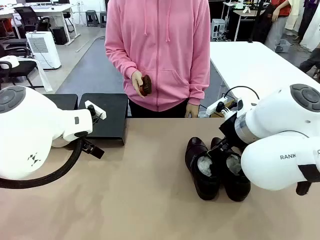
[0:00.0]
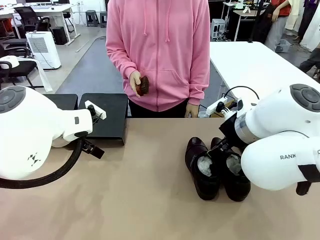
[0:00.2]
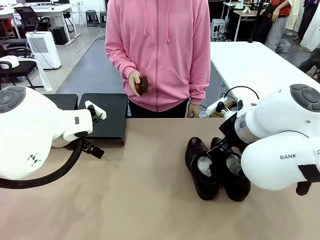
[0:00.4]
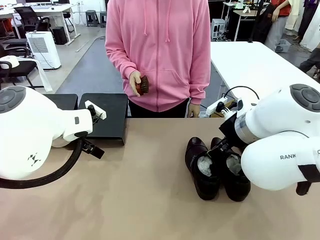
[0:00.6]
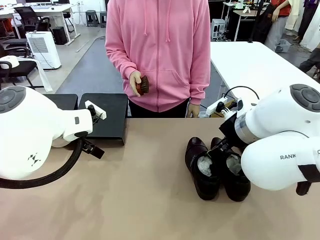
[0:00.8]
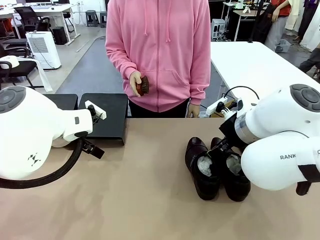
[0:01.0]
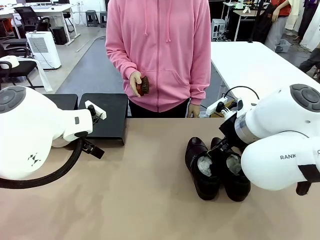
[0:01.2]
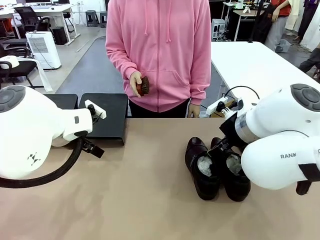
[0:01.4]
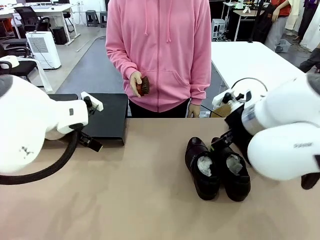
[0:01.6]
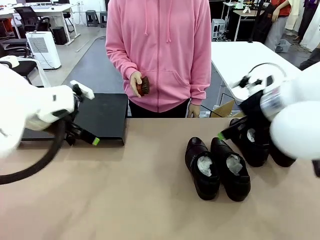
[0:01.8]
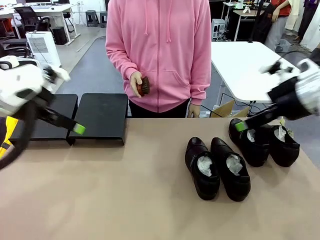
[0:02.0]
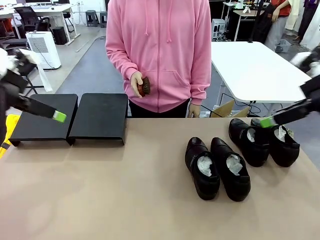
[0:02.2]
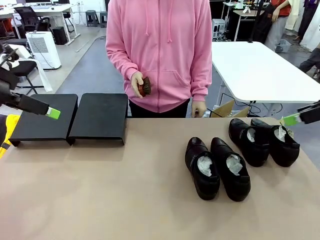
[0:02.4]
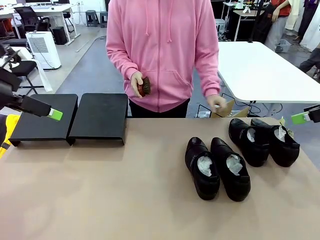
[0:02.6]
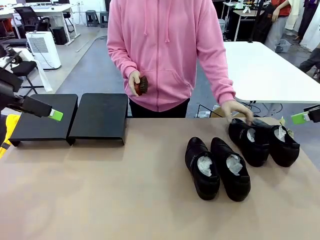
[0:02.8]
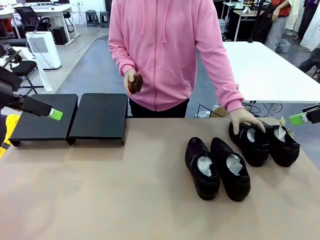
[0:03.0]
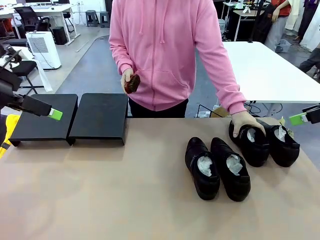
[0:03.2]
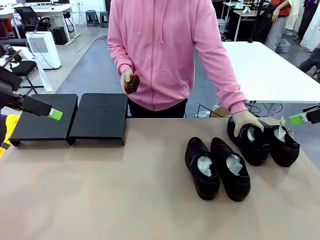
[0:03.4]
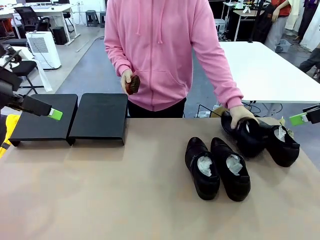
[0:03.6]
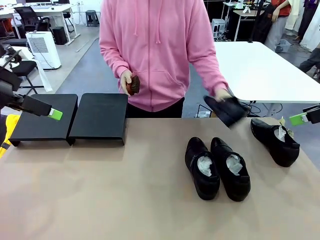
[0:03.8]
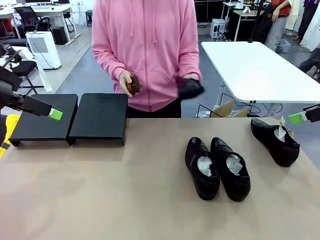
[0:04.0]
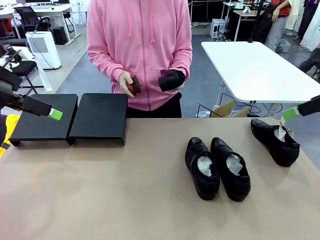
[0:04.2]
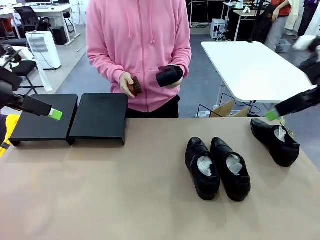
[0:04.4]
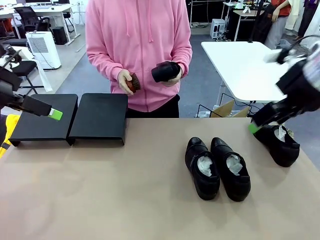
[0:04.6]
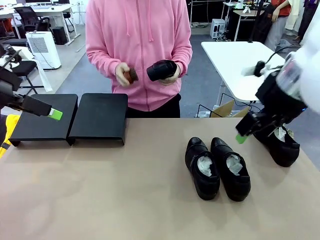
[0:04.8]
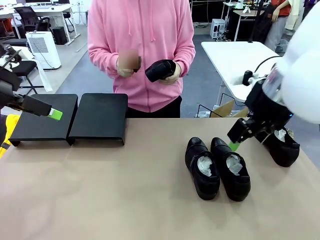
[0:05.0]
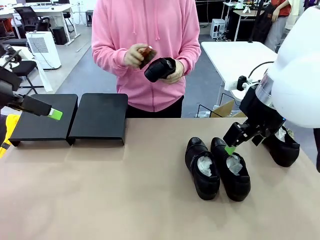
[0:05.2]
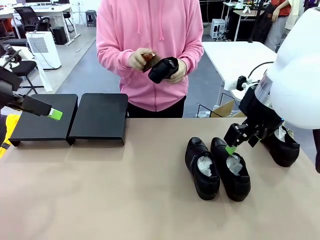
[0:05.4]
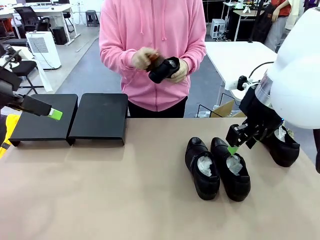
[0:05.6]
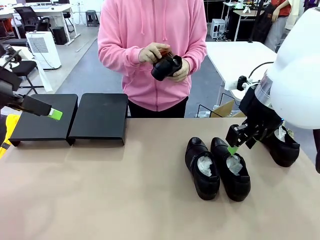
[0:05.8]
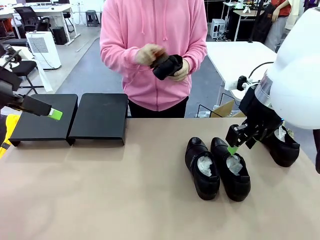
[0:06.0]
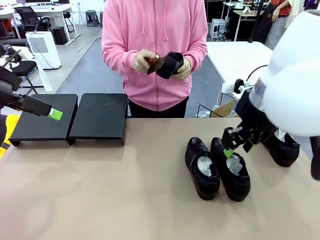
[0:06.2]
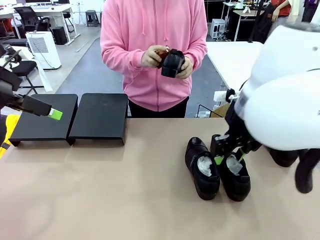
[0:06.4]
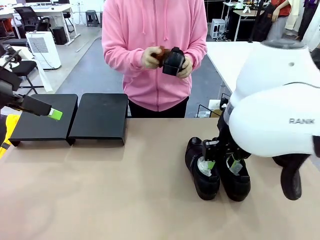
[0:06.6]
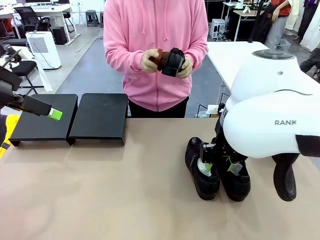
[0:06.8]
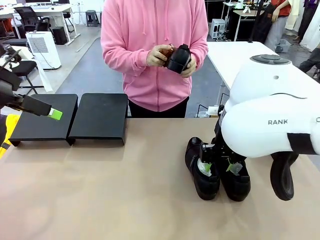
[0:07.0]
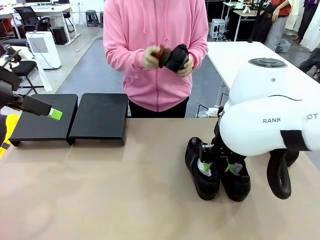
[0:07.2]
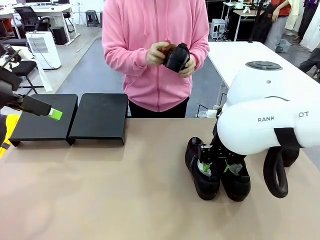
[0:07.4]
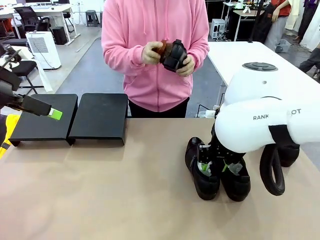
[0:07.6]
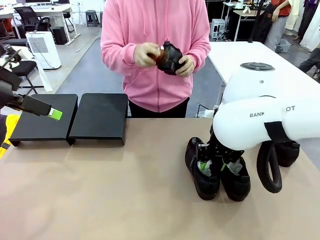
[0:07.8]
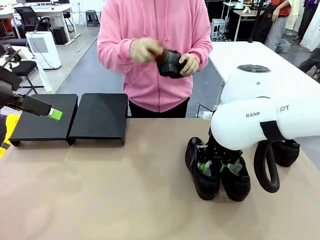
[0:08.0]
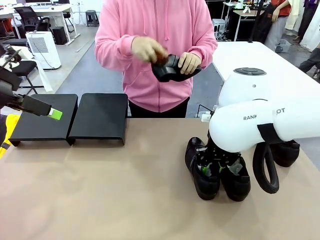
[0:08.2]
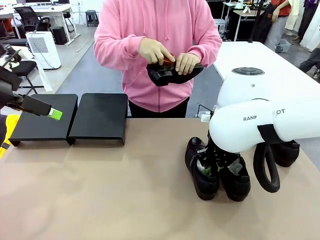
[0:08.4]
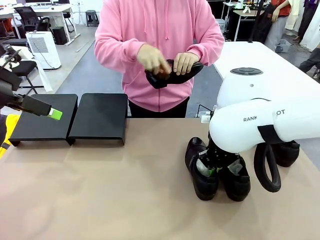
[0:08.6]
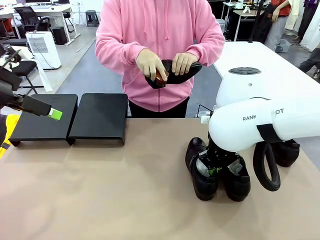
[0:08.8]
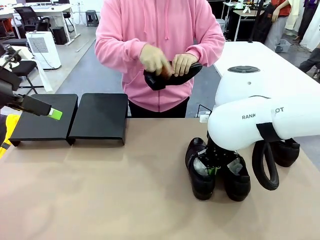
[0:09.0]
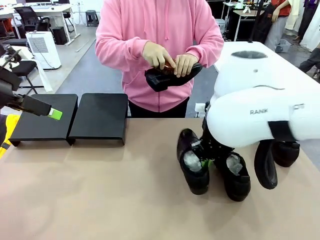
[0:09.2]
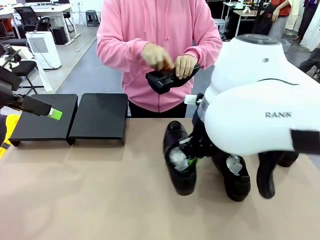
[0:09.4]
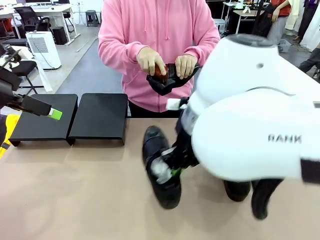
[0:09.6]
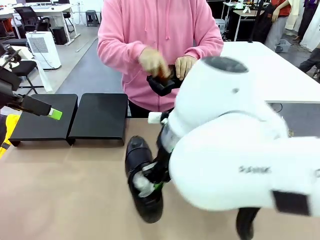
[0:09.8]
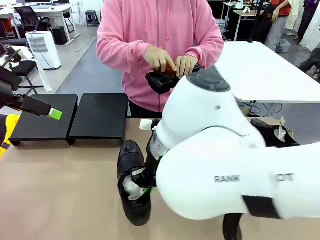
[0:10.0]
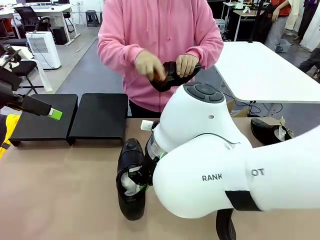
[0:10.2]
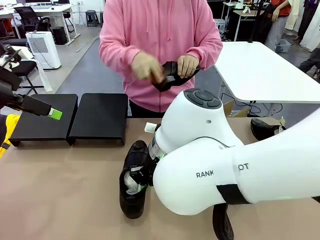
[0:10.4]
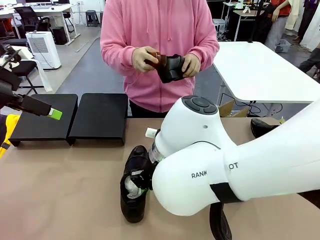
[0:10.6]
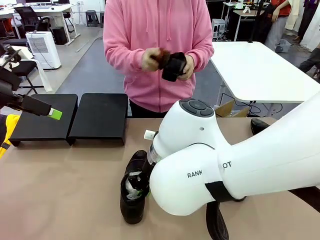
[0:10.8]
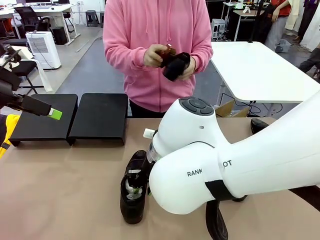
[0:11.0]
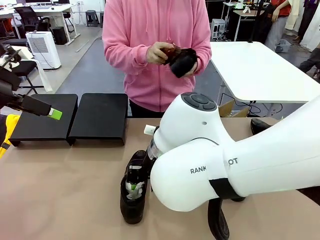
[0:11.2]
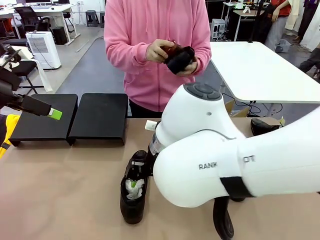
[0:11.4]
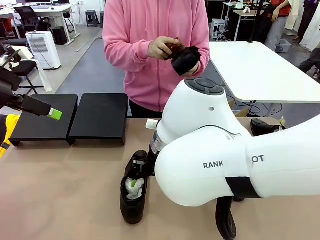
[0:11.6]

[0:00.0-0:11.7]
Task: Organize the shoes by placing them on the stand.
Robot: Pick up one Shoe and place it in the middle of the table.
Person: Pick one Shoe on Robot's table.

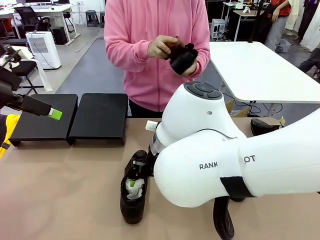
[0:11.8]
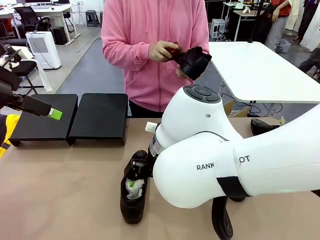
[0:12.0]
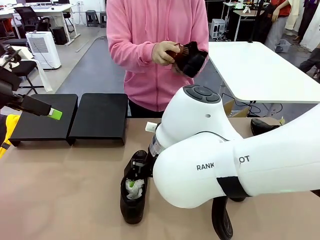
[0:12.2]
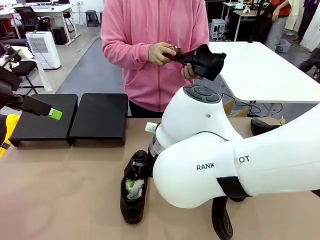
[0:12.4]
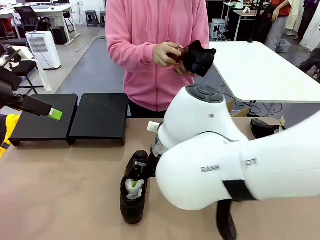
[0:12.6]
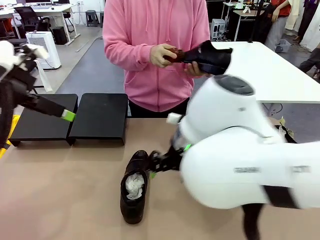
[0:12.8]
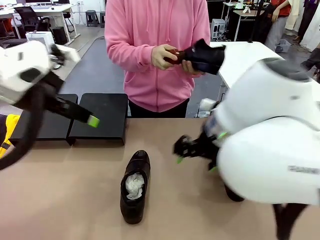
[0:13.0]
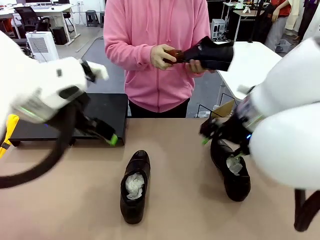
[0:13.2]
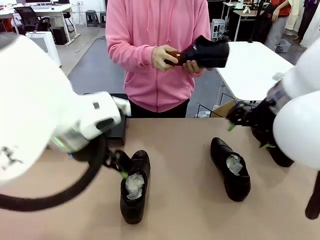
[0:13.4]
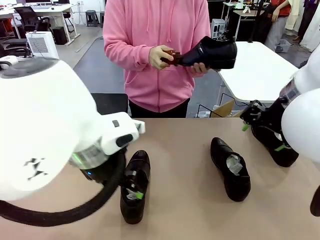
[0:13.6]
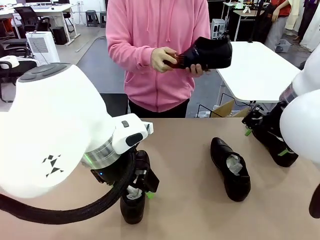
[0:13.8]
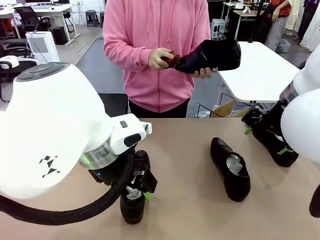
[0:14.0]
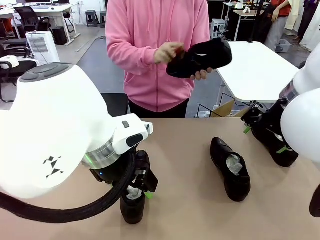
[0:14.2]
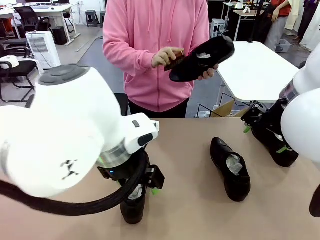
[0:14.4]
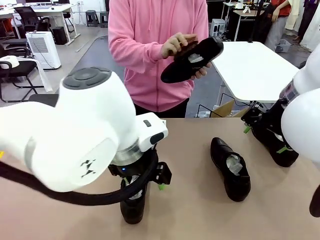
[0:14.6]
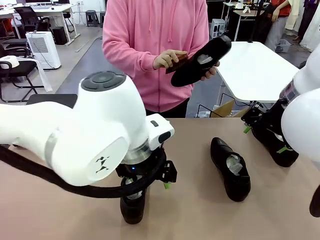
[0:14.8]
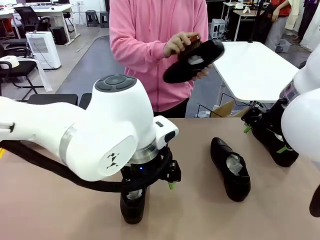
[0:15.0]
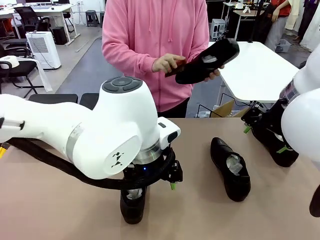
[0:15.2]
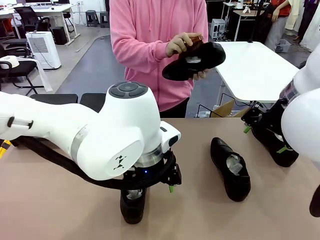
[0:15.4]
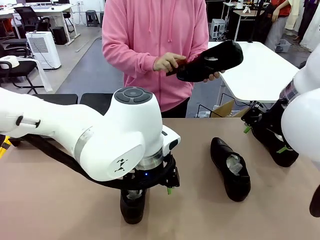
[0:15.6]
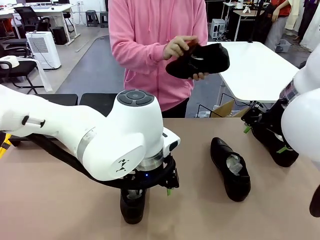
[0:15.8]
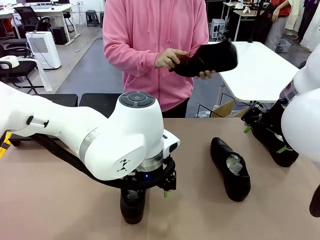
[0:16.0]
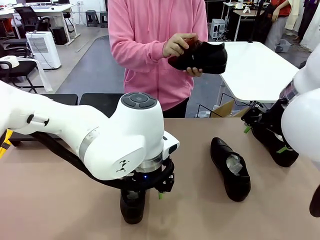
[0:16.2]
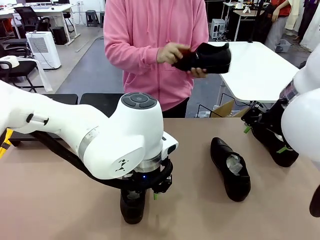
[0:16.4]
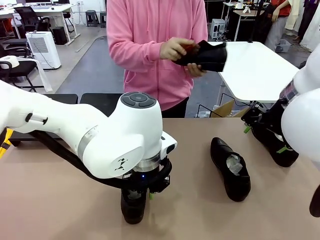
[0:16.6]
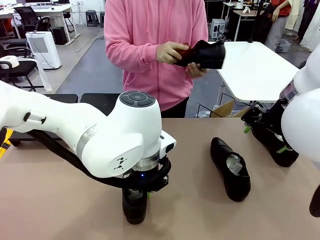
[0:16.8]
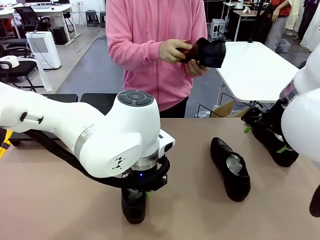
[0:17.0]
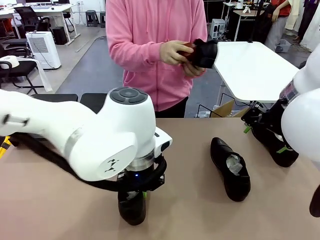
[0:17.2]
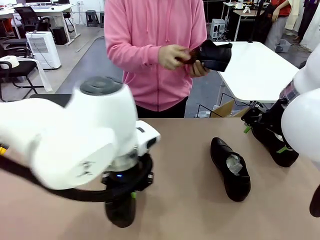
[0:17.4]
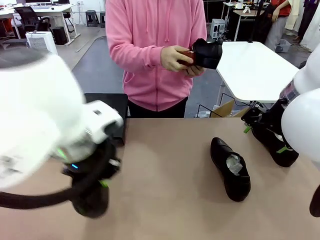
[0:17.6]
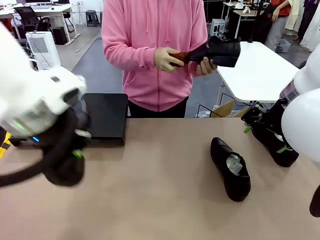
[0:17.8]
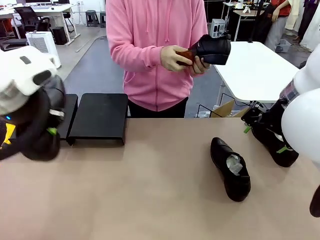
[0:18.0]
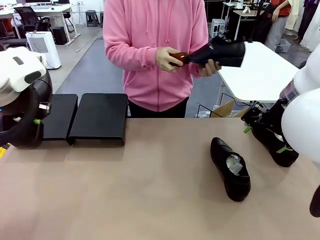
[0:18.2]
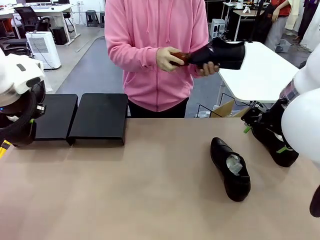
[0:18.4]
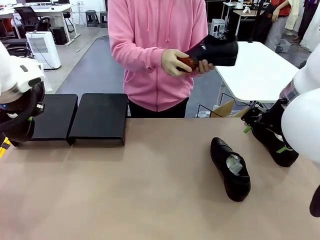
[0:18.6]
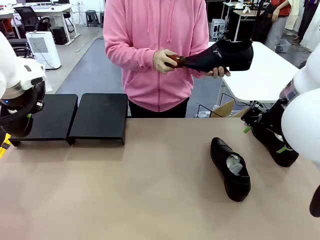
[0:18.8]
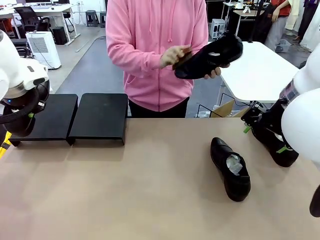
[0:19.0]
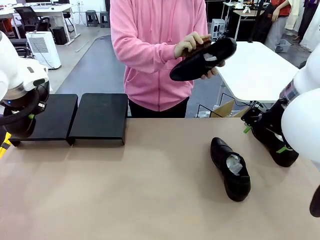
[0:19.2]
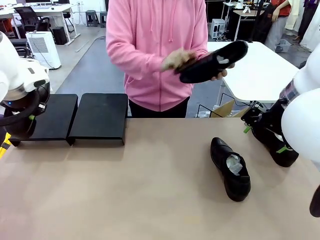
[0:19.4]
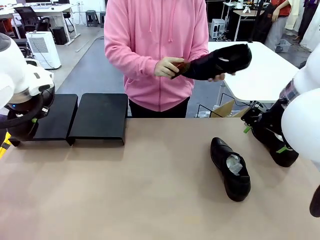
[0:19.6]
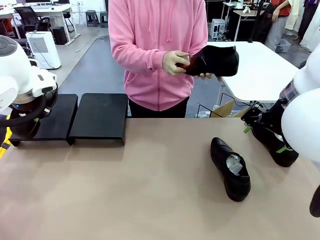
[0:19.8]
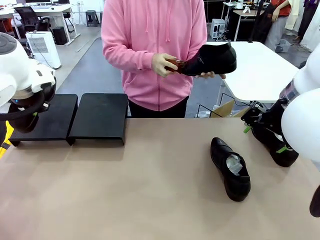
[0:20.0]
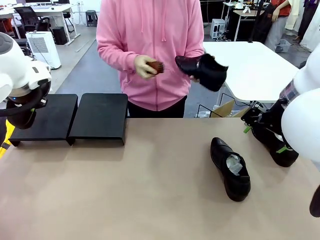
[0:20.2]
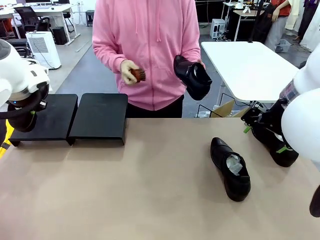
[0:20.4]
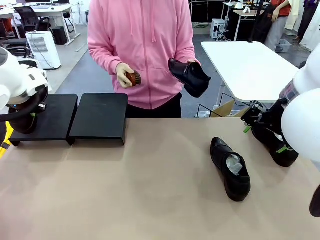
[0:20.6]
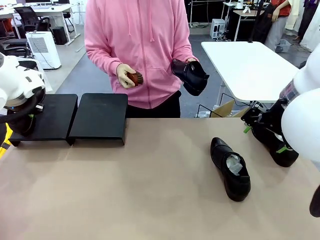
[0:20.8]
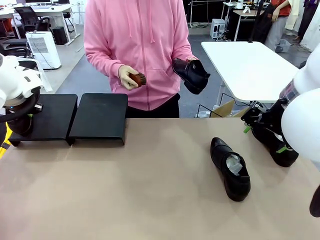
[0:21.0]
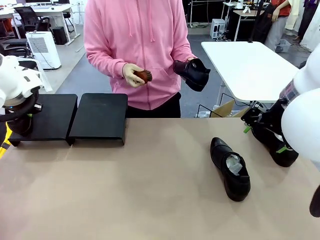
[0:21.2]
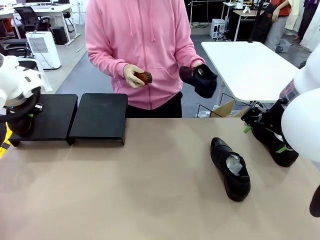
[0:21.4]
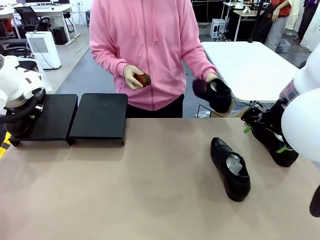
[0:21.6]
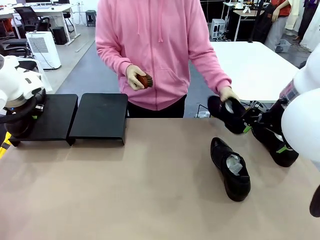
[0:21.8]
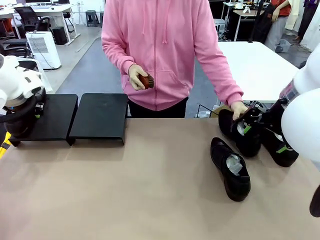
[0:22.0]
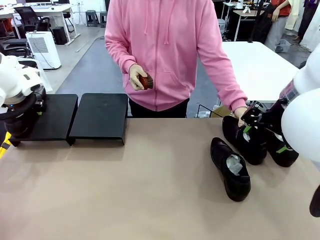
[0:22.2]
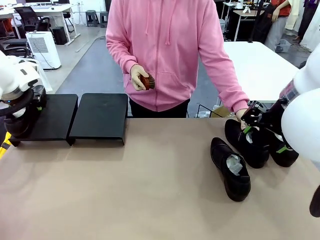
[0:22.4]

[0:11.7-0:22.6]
Robot: Place the Shoe from the middle of the table onto the Shoes Stand.
Person: Clean the Shoe with the Shoe Brush. Place the Shoe on left side of the Robot's table.
